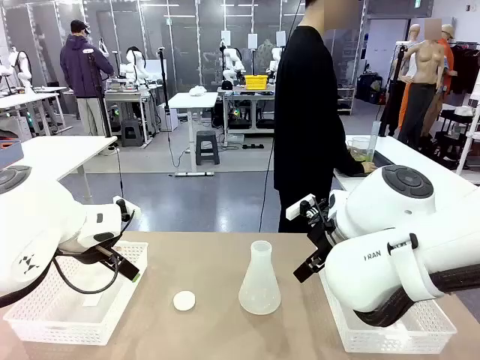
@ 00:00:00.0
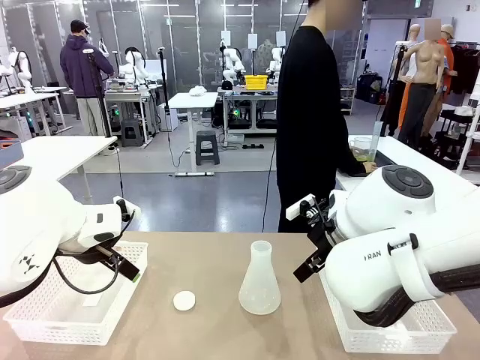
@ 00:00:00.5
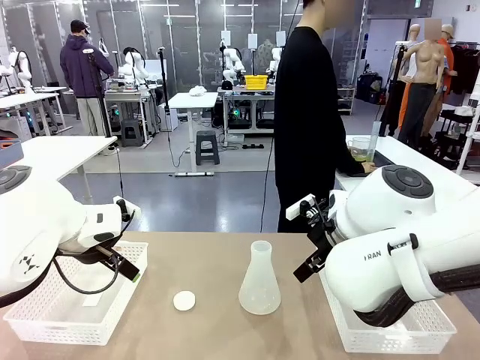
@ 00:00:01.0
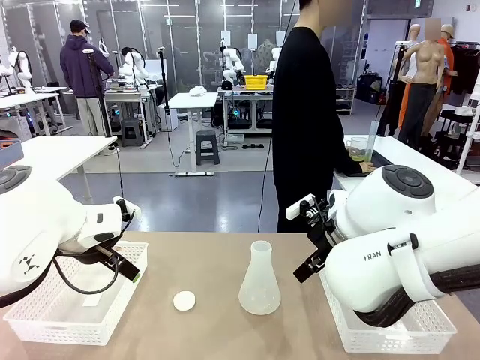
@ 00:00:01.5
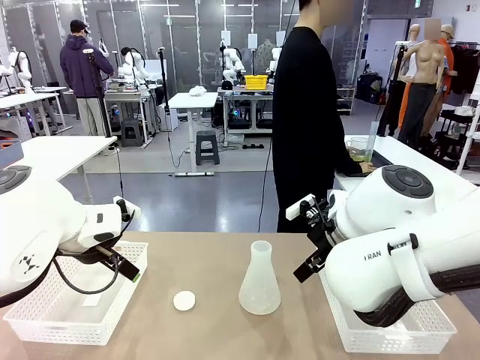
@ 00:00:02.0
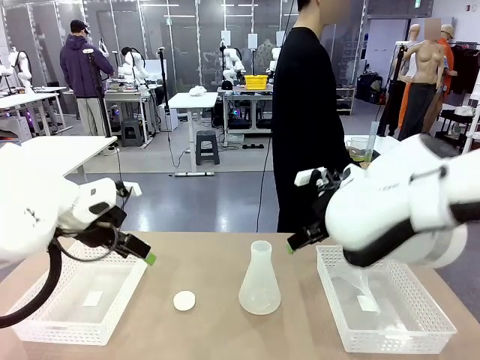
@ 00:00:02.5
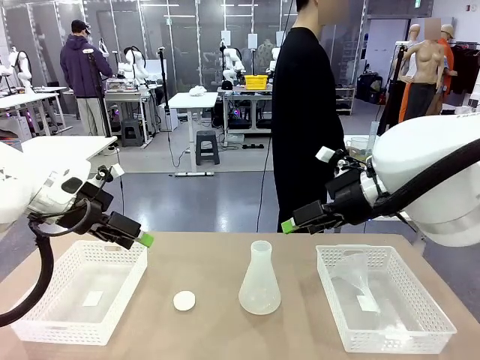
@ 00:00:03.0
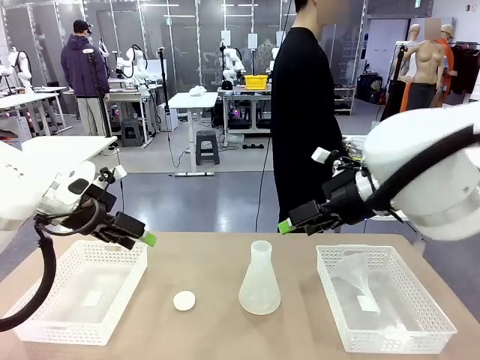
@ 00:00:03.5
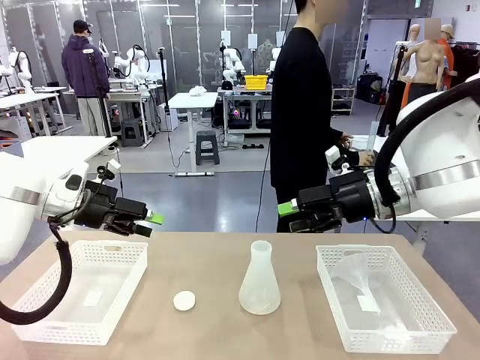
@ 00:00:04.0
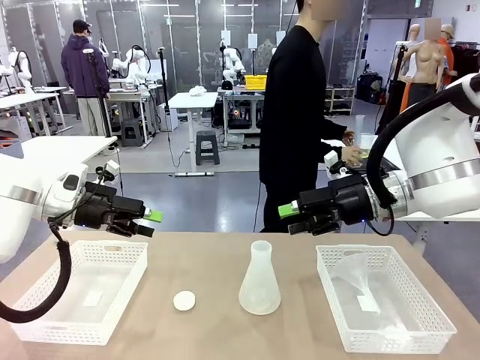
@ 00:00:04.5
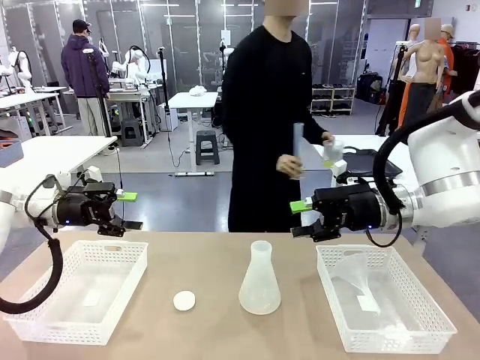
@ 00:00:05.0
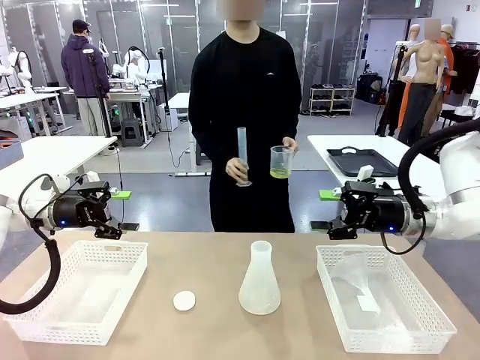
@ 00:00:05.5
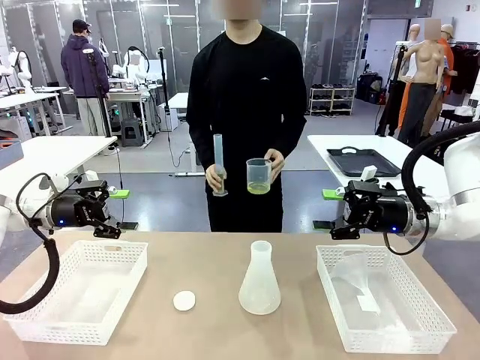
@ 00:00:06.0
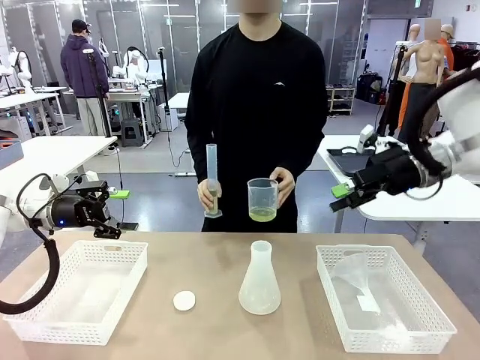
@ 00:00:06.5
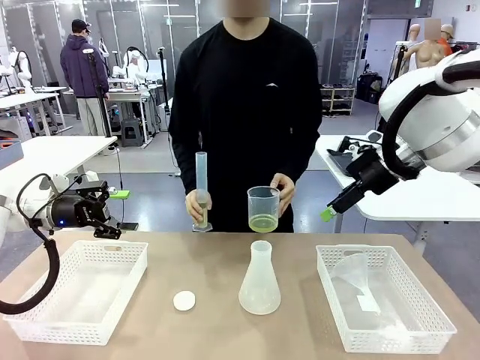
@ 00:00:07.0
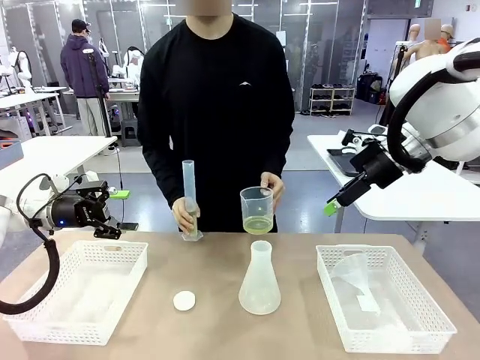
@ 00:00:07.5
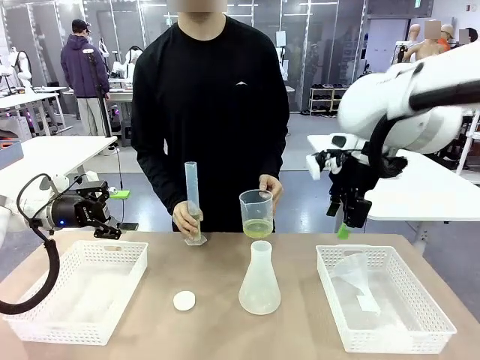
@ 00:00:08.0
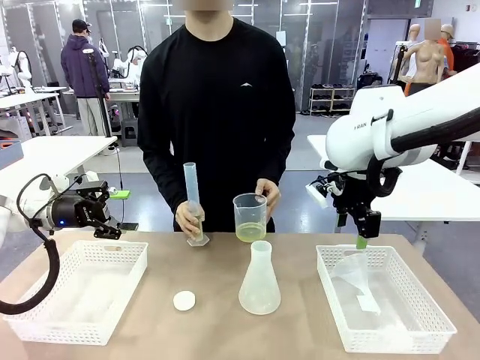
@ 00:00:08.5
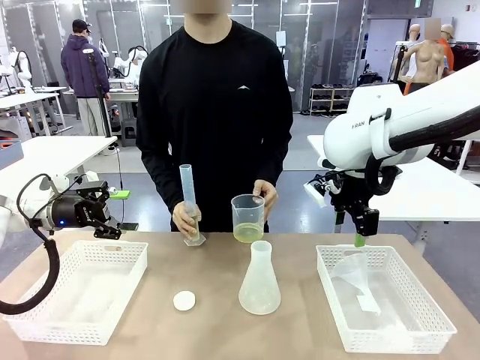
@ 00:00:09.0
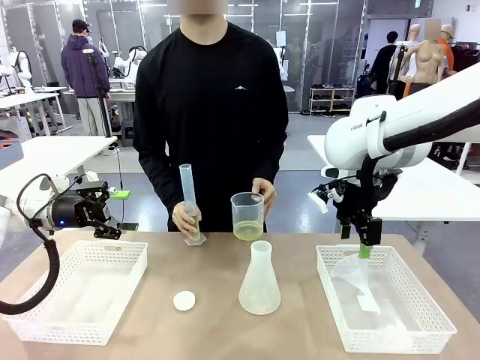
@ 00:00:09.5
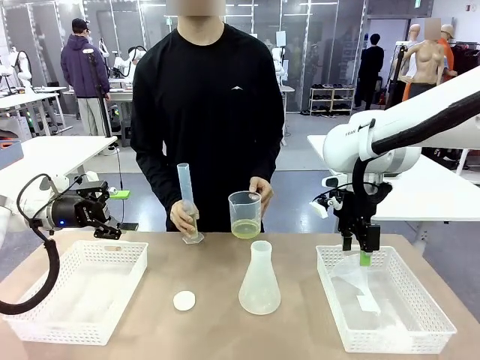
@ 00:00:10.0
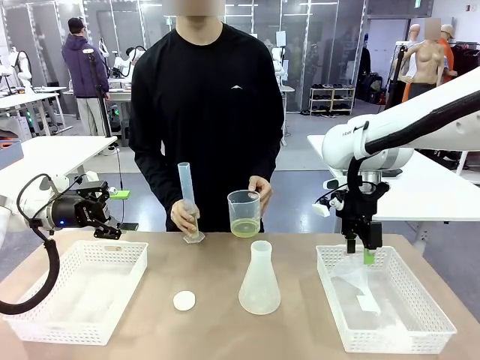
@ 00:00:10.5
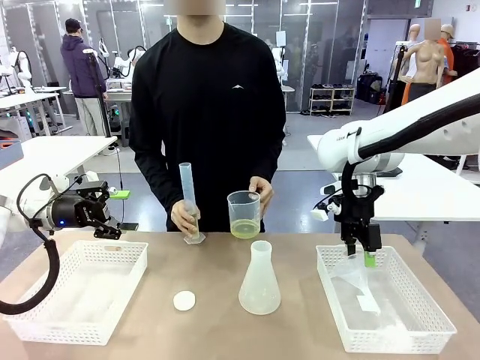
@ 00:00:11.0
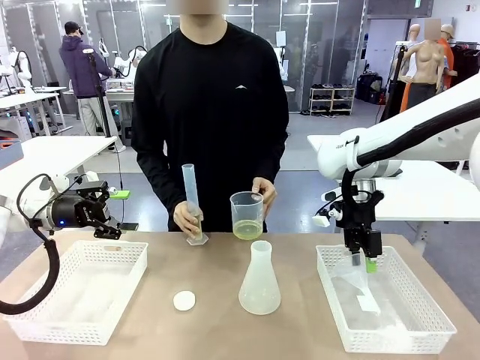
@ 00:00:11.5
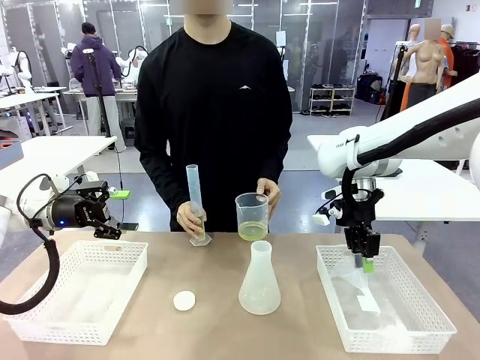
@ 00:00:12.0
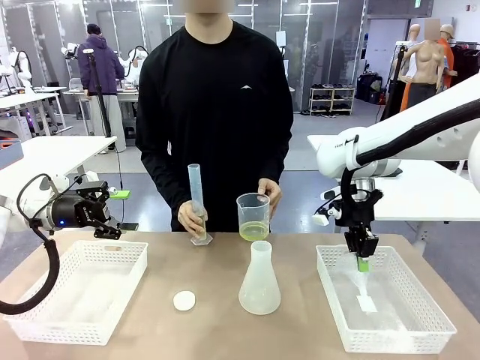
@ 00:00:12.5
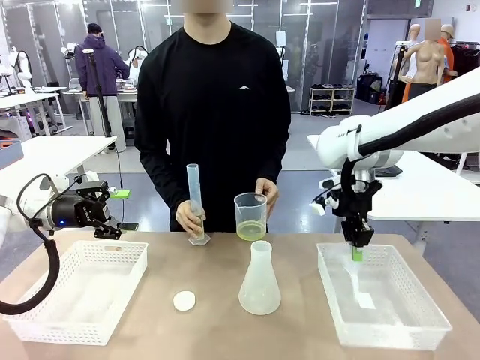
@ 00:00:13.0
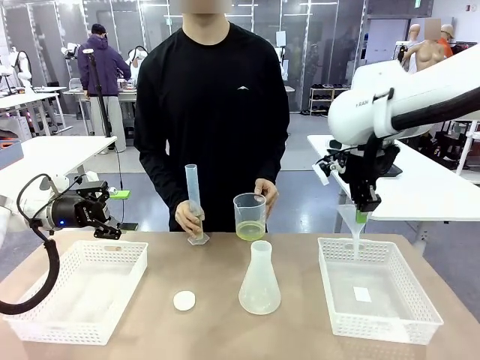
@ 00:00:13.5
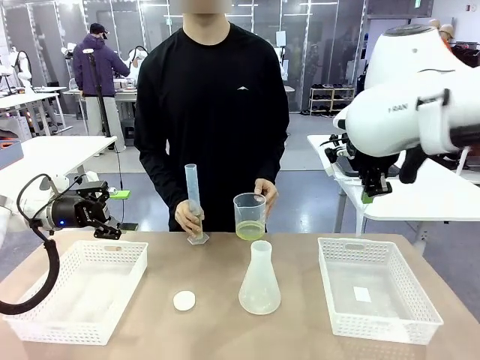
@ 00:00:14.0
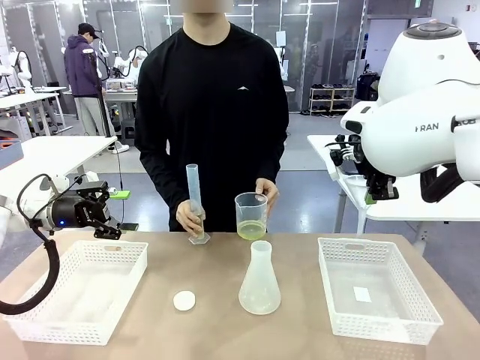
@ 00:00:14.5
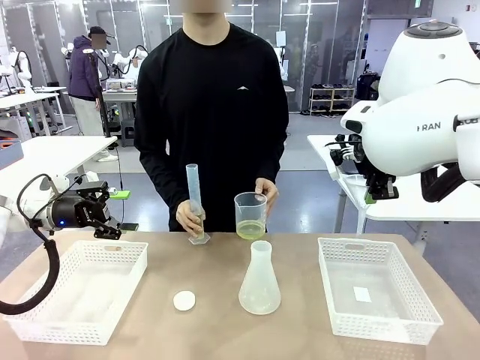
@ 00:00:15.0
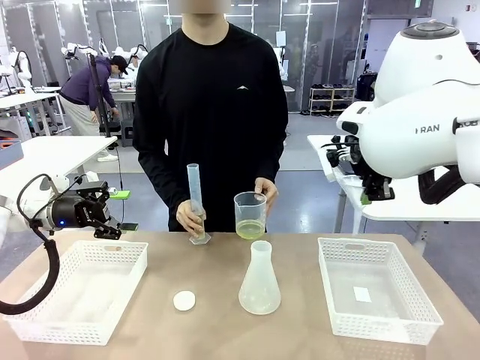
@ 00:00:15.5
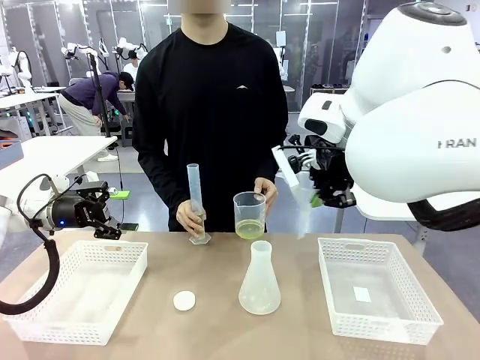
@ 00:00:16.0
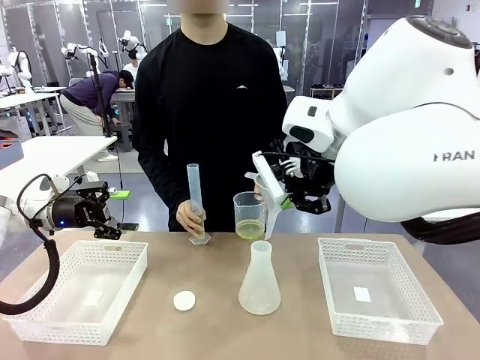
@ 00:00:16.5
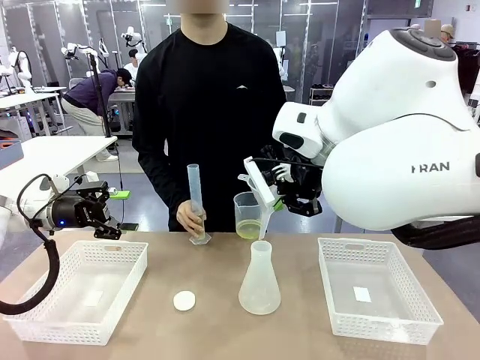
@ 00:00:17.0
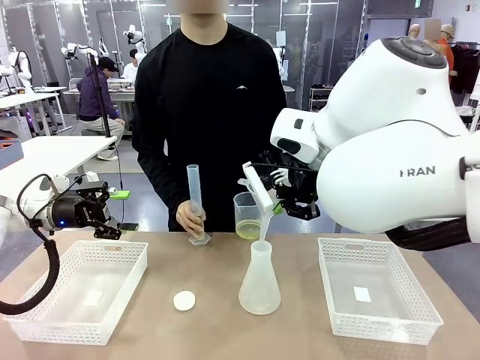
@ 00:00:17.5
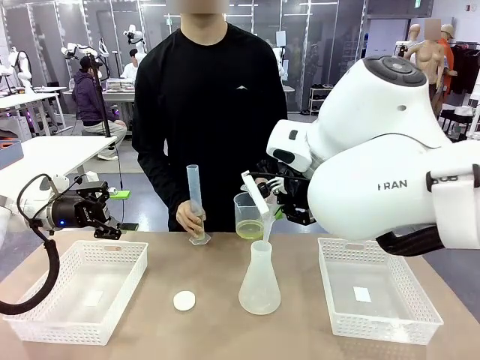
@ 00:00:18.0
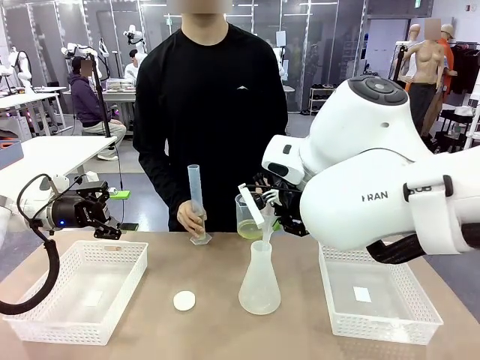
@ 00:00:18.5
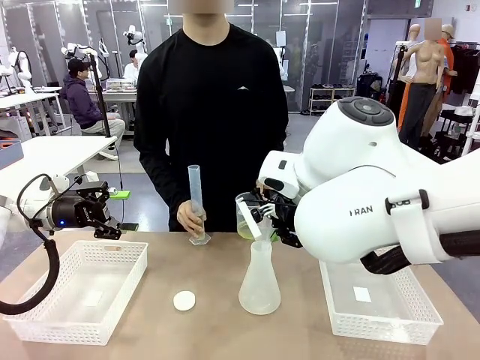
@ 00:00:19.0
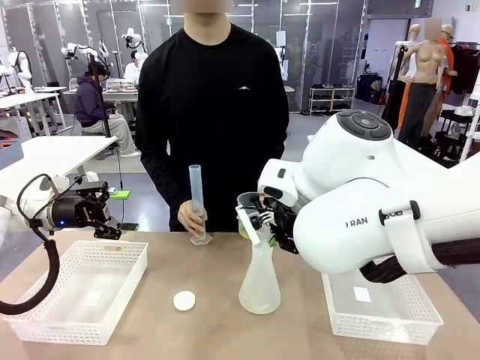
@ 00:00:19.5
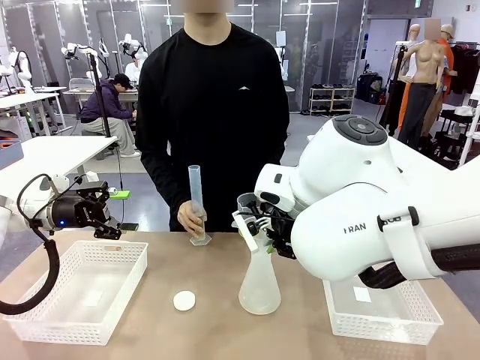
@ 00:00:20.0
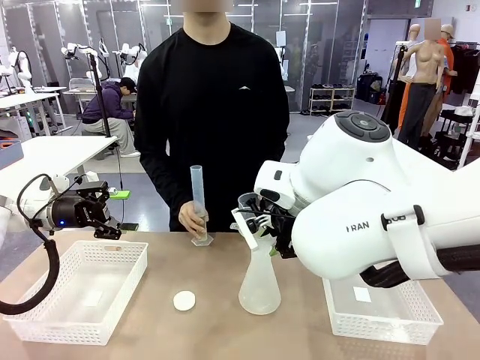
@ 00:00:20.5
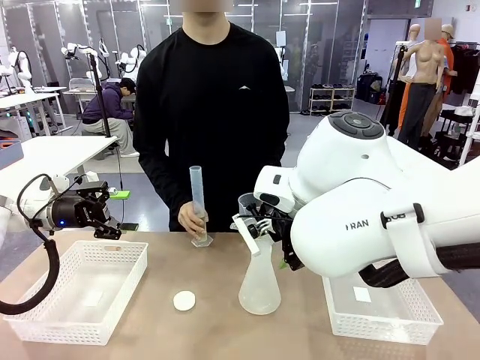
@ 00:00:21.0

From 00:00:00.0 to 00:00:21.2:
Task: Prepare the solutions needed for the experiment.
Robot: Pick up the Plastic Funnel and insert it into the Big flask.
Person: Pick up the beaker and the cylinder and move to the middle of the robot table. Pour the solution from the beaker and the cylinder into the flask.
